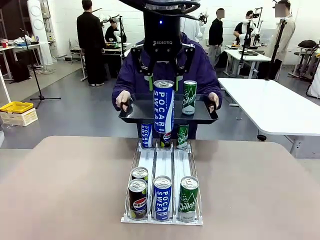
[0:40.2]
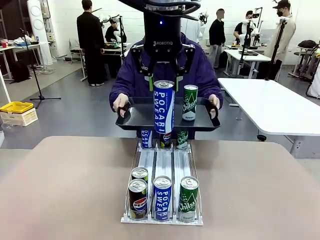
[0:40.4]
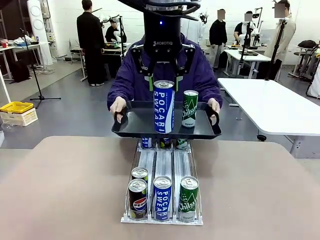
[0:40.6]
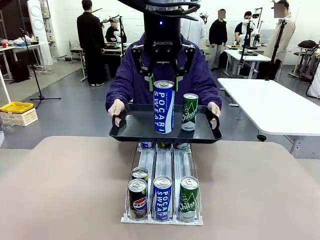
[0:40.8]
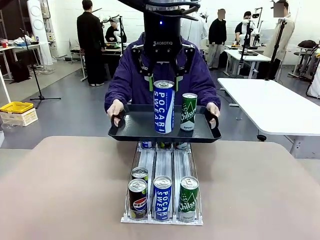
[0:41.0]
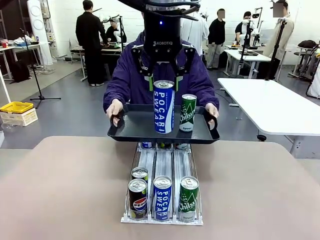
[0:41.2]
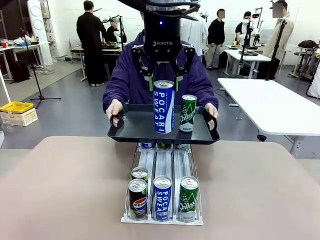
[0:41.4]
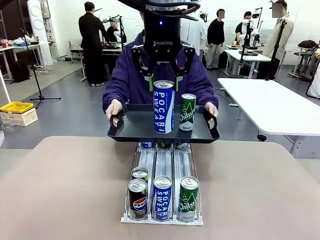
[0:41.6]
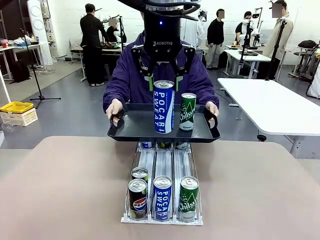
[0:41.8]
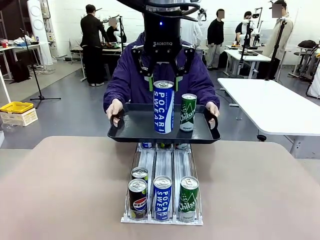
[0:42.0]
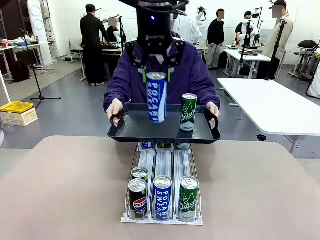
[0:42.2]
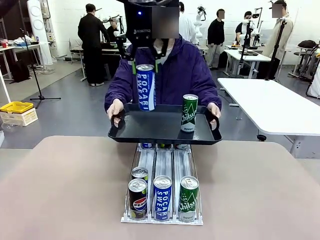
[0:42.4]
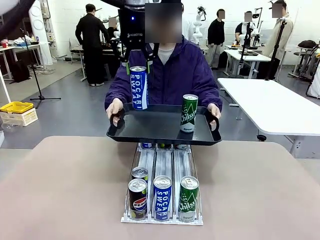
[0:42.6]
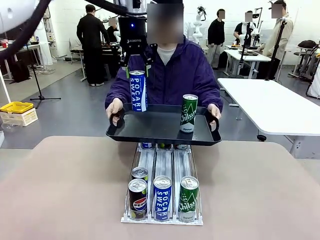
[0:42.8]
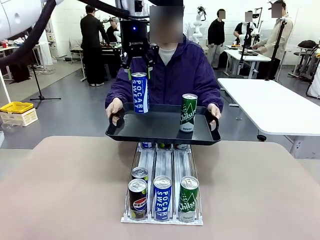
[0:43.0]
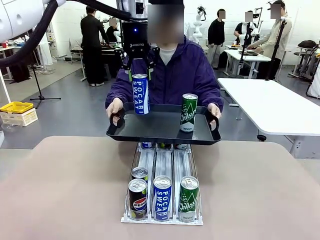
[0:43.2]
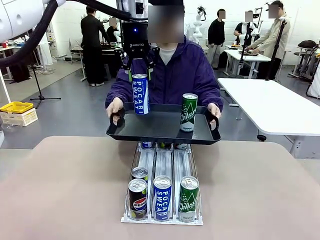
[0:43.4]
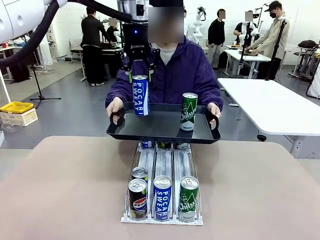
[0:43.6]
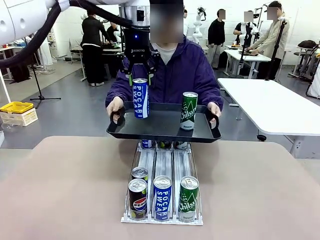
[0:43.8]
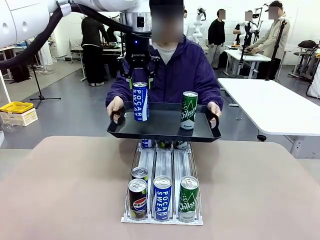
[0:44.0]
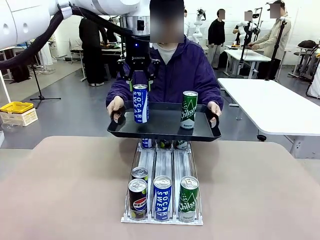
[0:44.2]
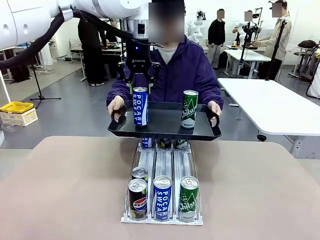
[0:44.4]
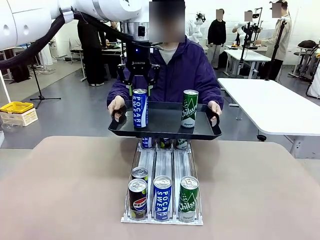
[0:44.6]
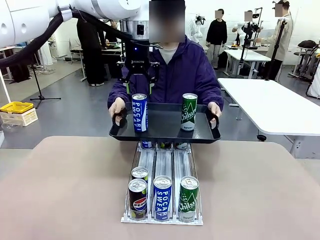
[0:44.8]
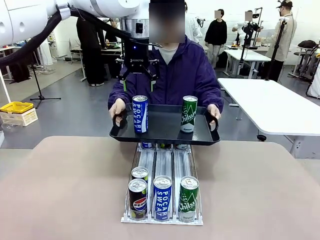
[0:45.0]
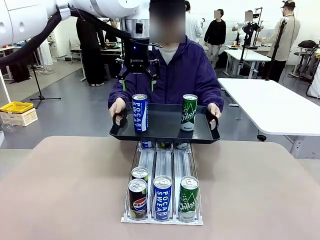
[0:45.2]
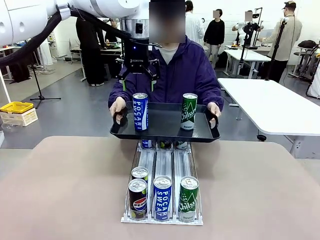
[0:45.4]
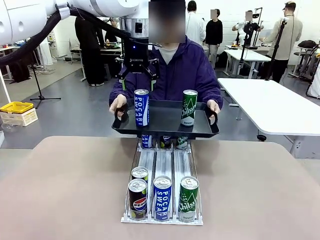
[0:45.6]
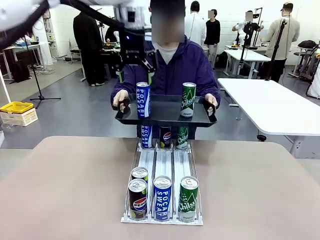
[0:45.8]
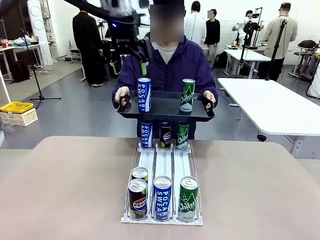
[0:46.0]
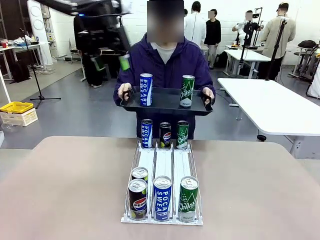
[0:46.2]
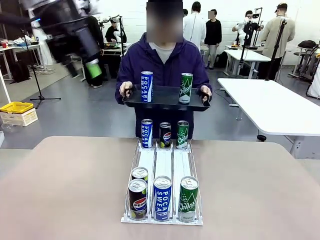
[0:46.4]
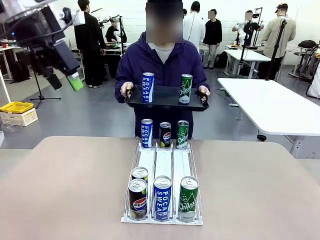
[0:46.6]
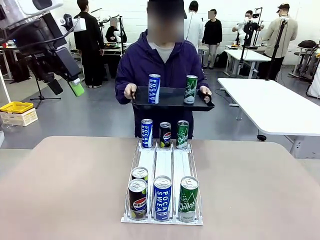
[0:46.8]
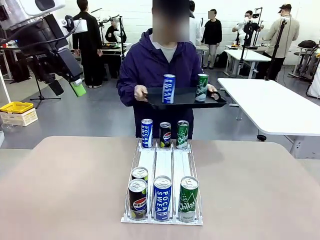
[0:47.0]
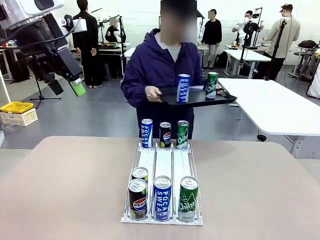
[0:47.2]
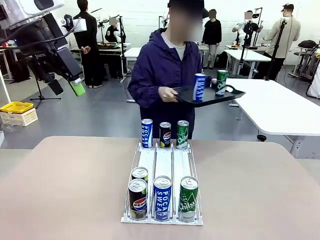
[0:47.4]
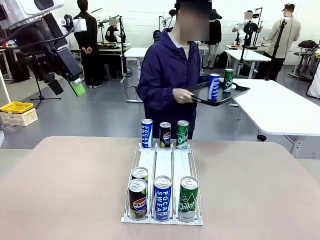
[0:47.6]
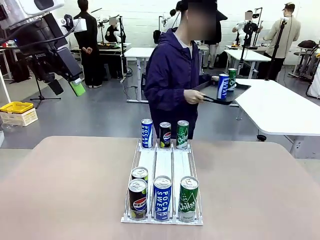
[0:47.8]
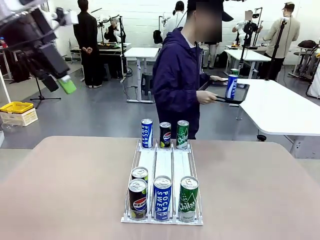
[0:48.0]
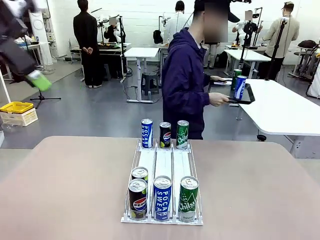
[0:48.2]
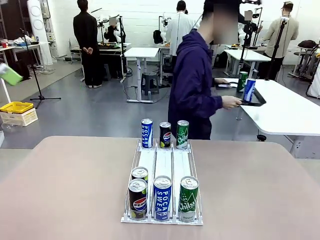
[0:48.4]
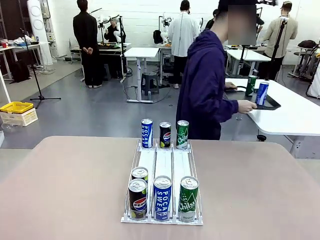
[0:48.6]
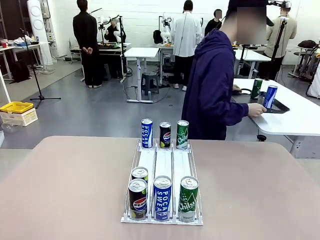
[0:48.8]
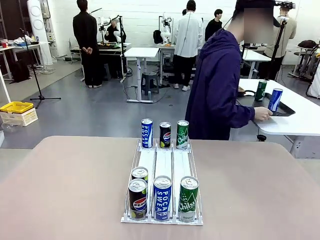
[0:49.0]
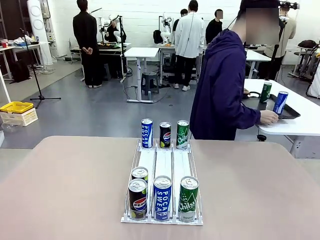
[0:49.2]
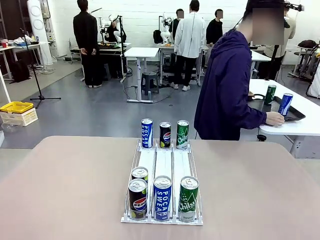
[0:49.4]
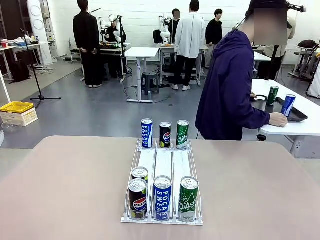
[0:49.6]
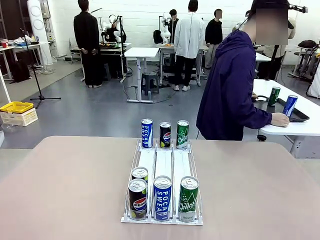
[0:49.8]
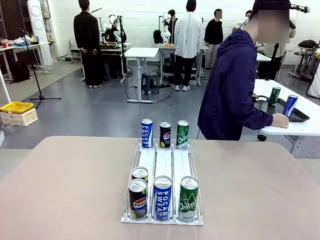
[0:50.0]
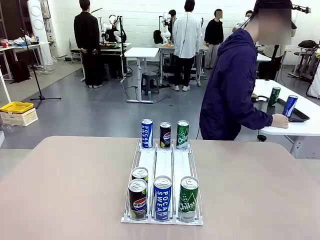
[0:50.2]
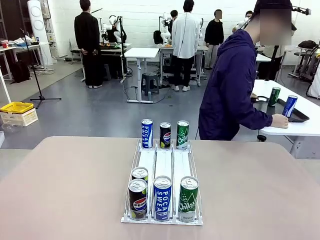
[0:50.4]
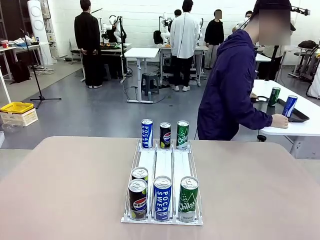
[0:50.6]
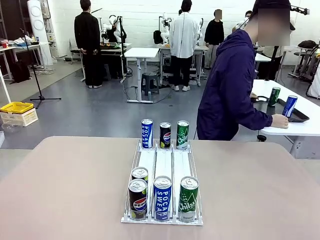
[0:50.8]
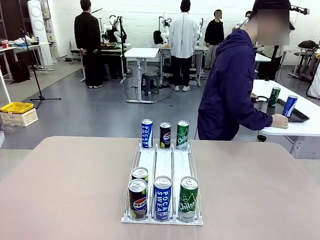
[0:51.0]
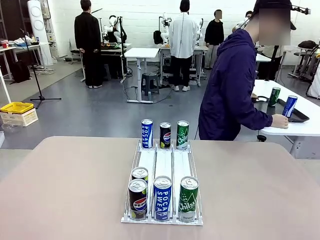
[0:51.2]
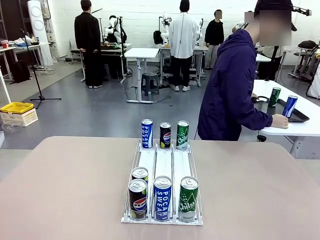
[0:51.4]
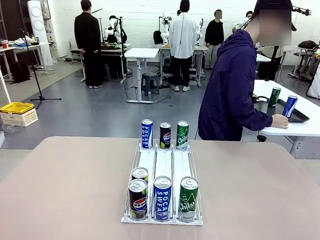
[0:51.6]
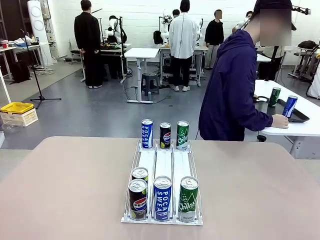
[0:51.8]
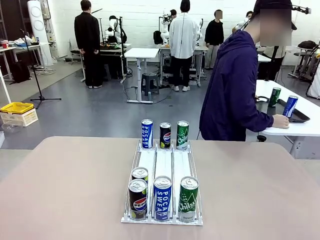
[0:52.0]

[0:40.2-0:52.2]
Task: Retrieve and hand over the desired beverage to the person.
Robot: Place the picked can on the Handle tray extended by the person.
Person: Pull the tray back and place it at the center of the human table.
